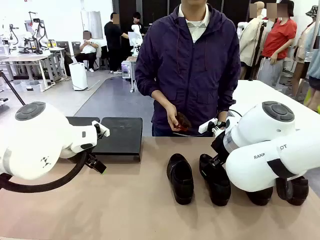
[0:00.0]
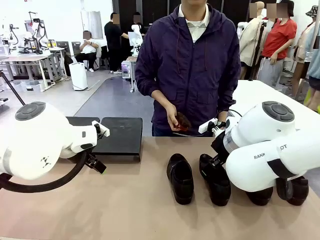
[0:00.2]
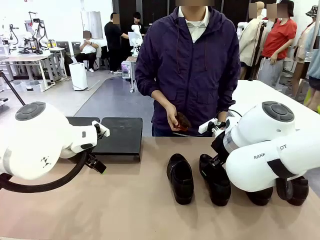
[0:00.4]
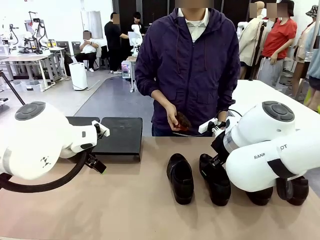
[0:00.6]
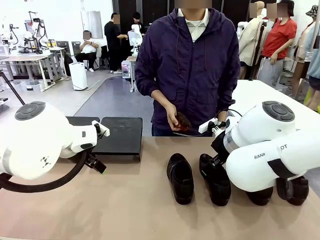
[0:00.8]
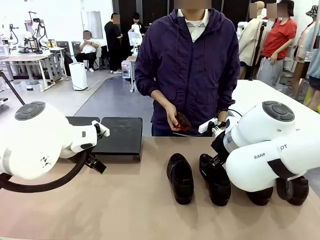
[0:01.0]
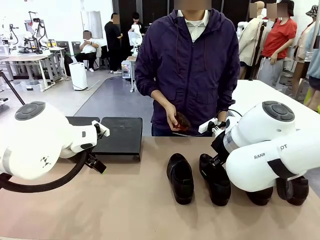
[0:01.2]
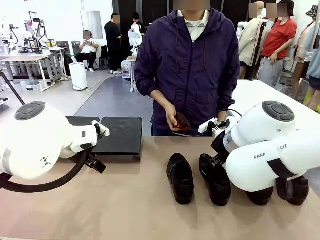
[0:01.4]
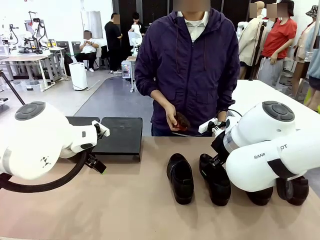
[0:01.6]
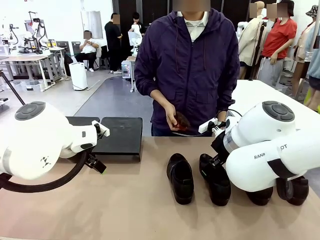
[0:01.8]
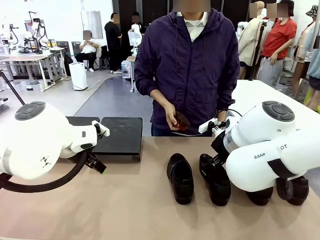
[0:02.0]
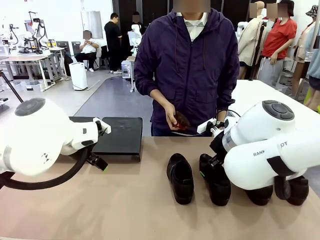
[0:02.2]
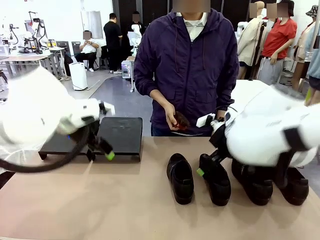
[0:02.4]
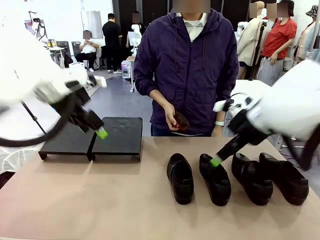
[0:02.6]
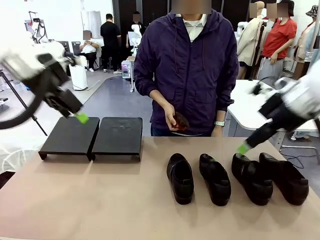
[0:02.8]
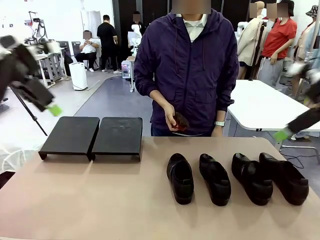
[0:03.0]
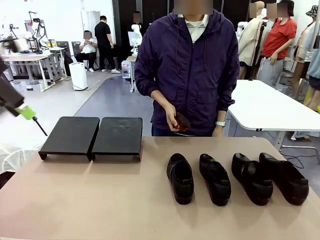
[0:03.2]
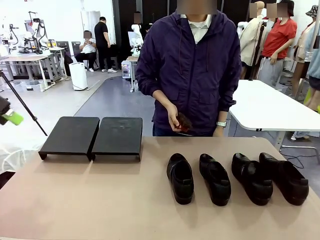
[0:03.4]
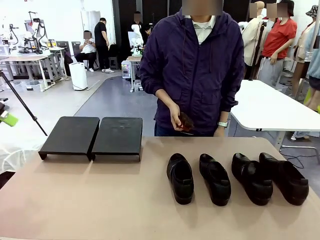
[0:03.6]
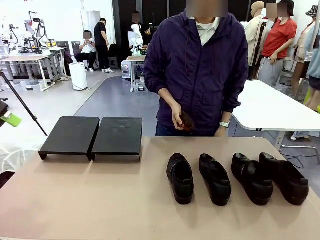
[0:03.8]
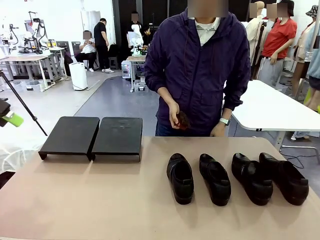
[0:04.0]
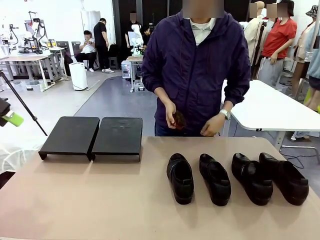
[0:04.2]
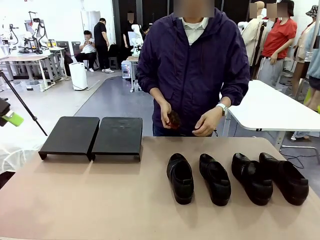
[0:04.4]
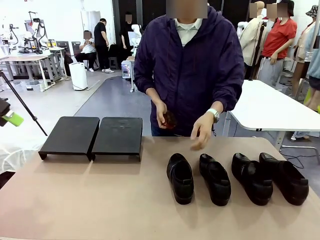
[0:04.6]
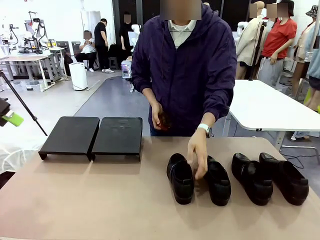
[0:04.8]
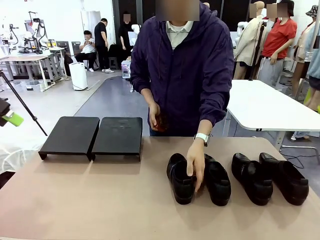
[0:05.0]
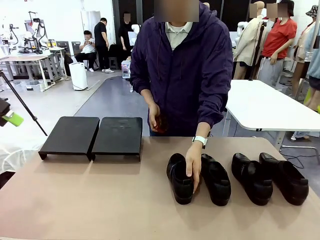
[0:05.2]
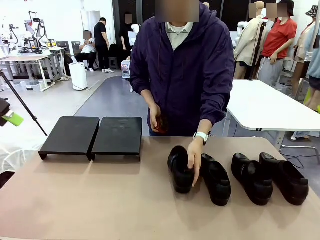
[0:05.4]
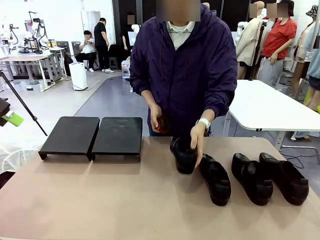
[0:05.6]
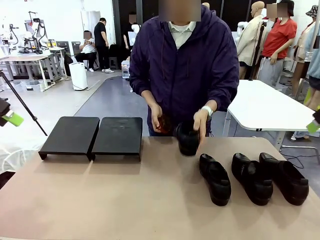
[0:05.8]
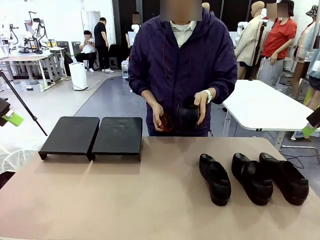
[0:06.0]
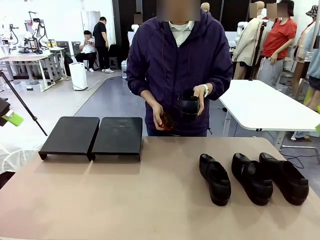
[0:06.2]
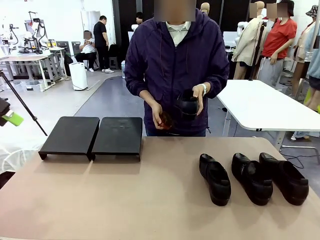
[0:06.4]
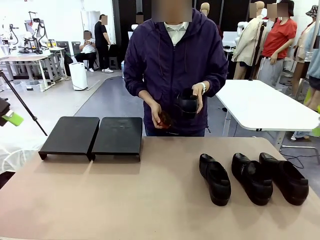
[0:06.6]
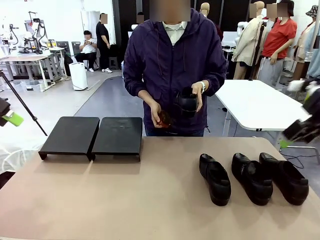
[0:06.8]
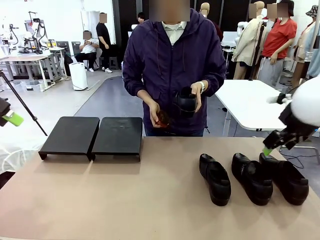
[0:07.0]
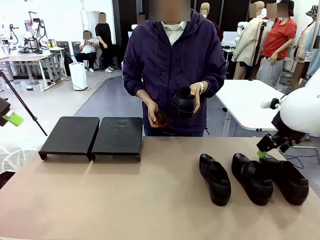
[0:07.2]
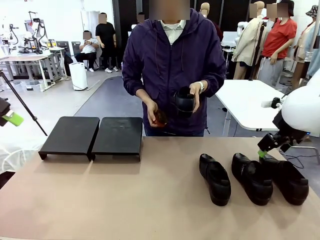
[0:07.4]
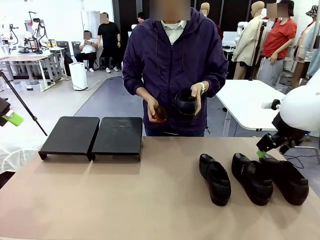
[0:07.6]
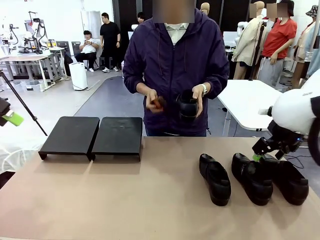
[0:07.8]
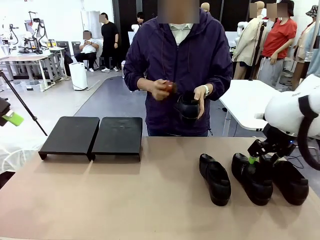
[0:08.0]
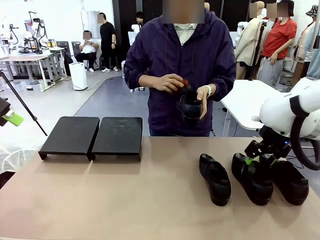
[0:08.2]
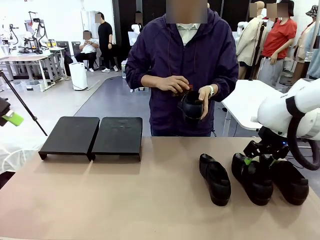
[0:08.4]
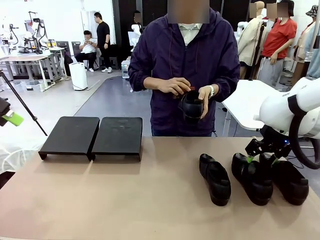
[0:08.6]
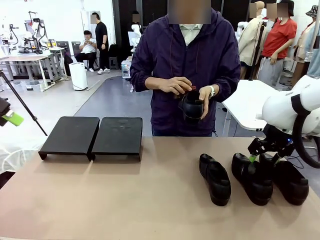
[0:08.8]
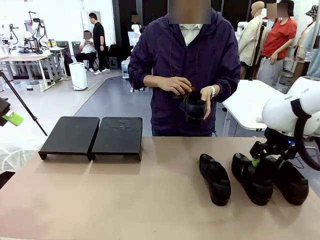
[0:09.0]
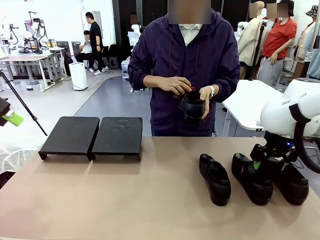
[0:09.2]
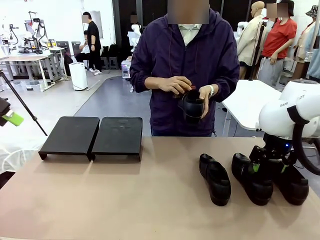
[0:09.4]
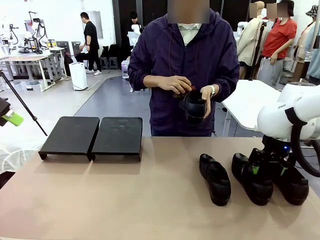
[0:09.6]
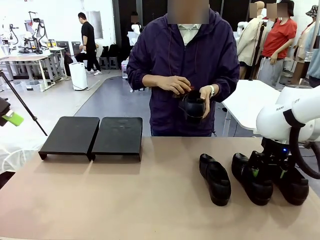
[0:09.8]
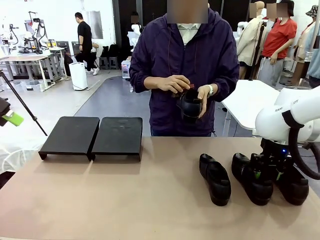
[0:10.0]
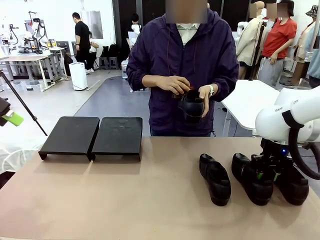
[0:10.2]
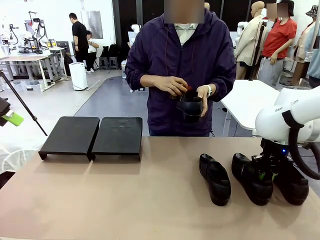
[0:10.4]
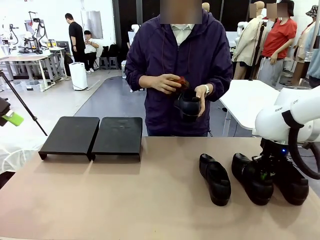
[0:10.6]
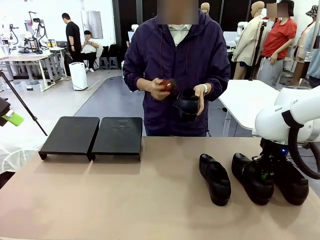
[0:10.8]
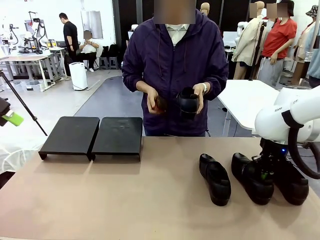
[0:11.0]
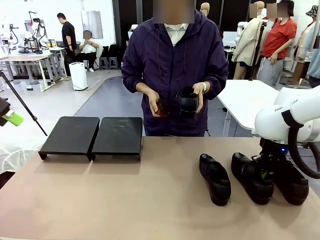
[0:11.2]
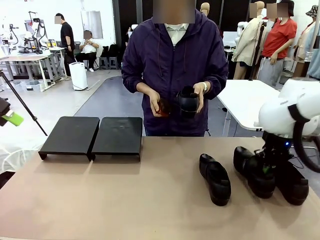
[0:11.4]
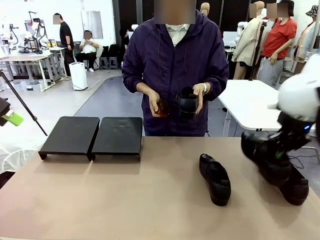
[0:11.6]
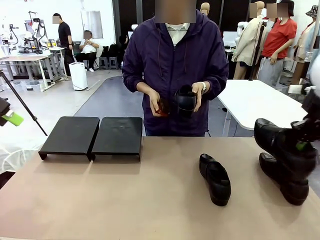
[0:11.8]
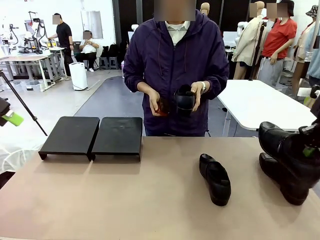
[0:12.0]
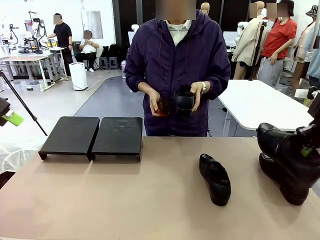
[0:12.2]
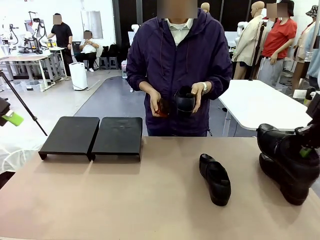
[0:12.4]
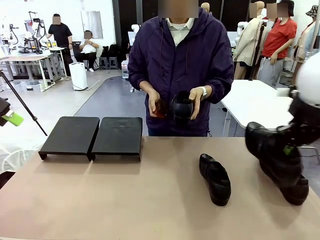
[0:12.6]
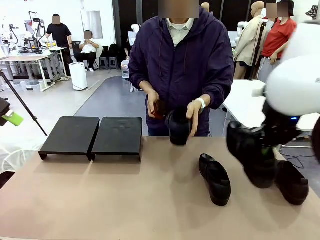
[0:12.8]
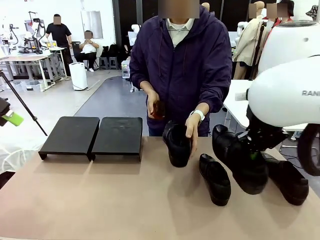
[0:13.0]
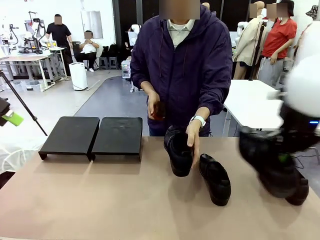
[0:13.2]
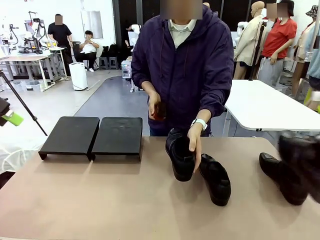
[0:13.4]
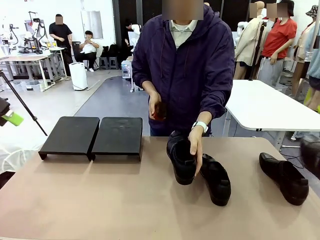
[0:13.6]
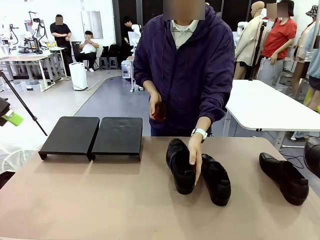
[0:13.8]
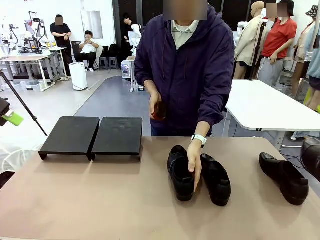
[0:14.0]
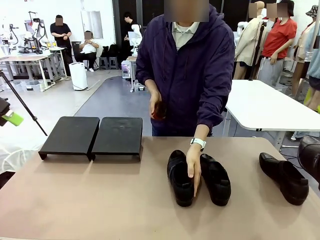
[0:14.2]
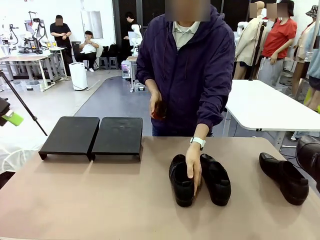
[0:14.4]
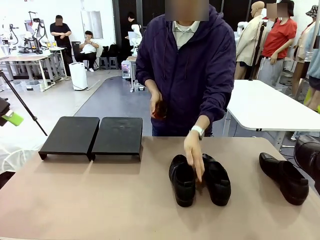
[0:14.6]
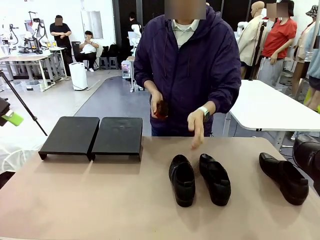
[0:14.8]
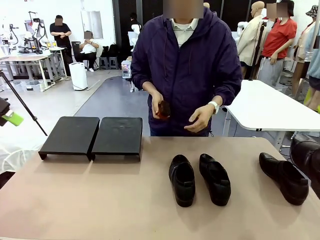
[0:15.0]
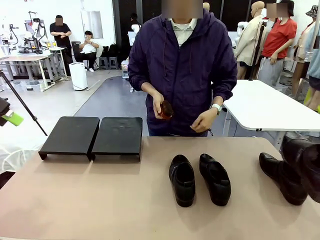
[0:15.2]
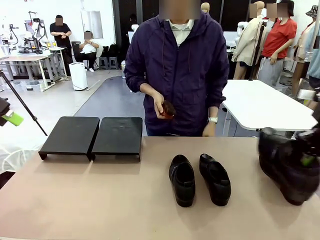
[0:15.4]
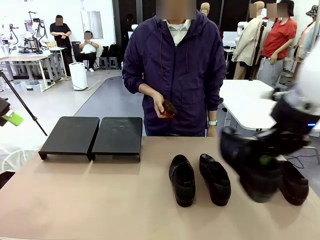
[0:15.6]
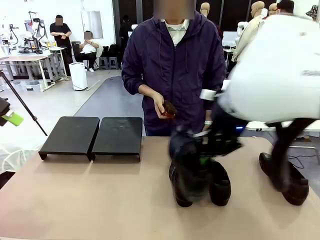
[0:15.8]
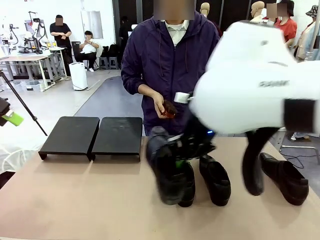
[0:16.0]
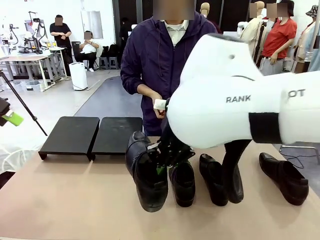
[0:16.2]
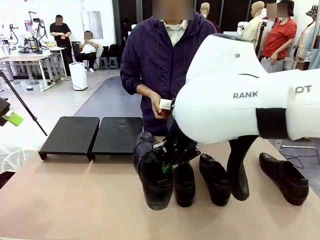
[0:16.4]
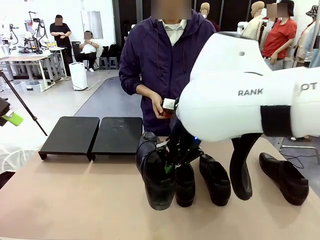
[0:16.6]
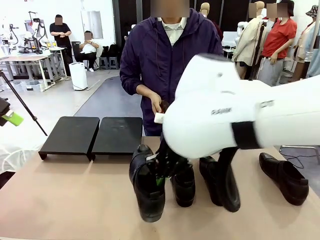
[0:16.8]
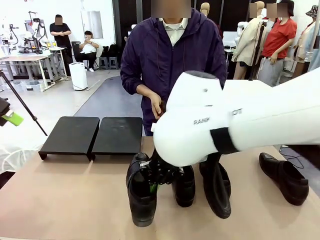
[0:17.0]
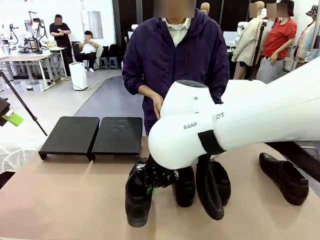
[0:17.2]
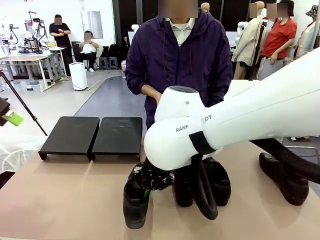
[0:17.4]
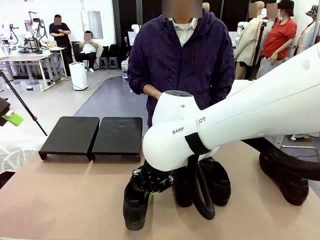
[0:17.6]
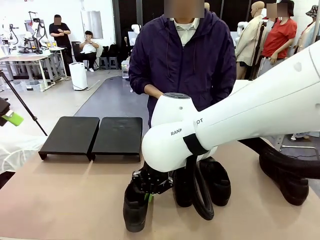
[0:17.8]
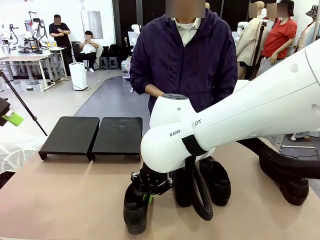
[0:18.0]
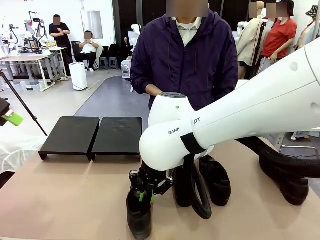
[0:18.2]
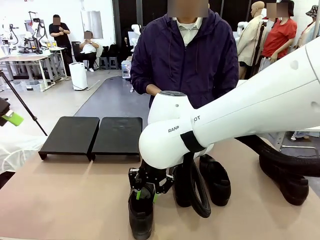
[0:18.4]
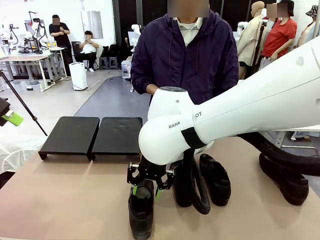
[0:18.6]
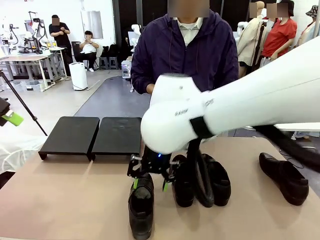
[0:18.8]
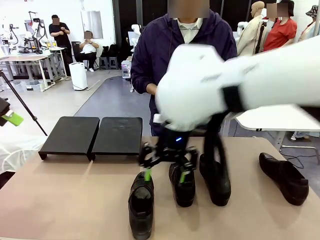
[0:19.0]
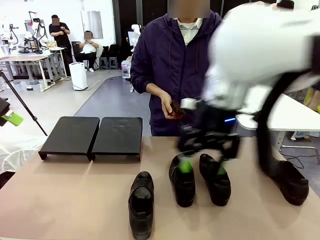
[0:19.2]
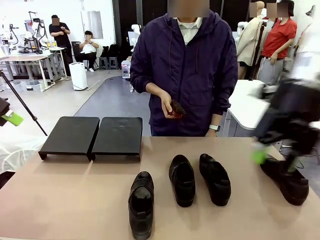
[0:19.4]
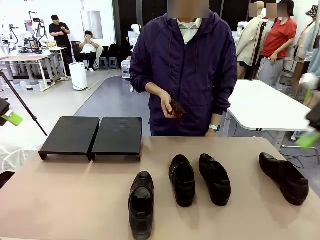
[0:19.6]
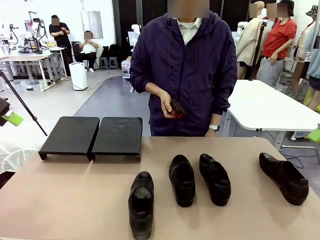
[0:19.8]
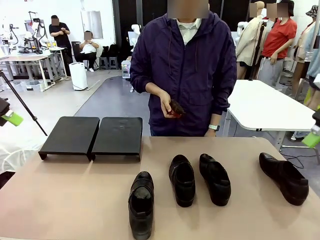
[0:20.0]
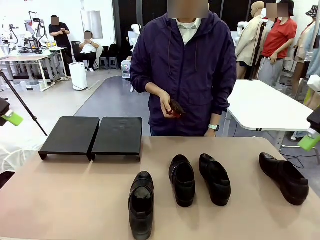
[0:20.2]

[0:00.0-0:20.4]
Task: Organize the shoes by placing them on the stand.
Robot: Pick up one Shoe and place it in the middle of the table.
Person: Pick one Shoe on Robot's table. Clean the Shoe with the Shoe Brush. Place the Shoe on left side of the Robot's table.
